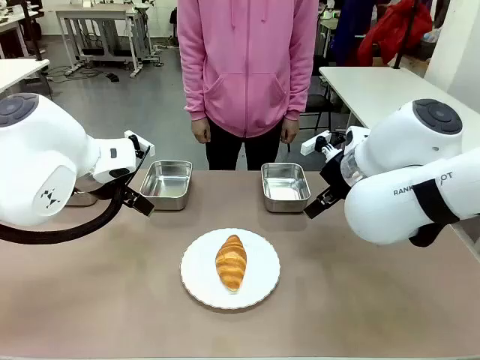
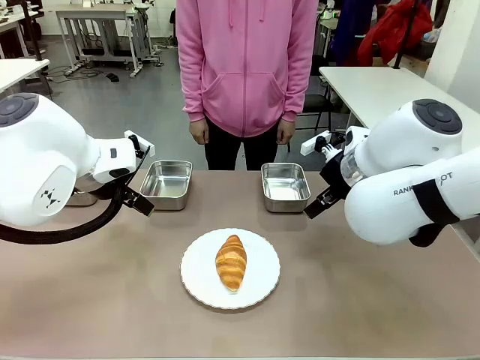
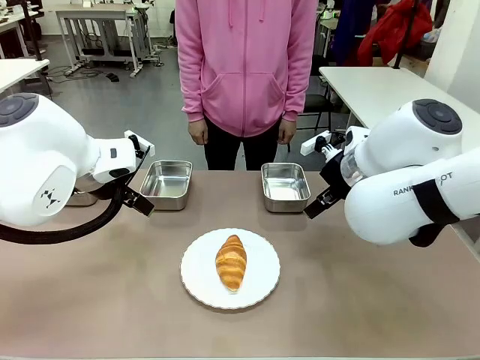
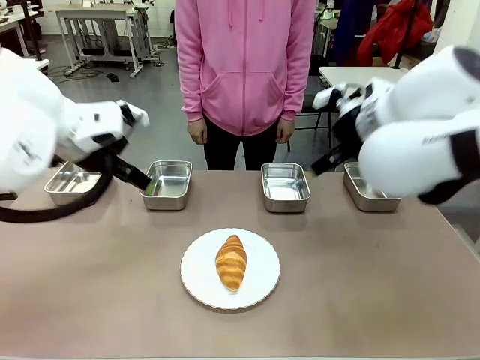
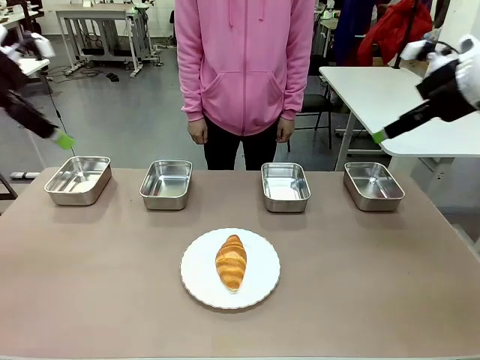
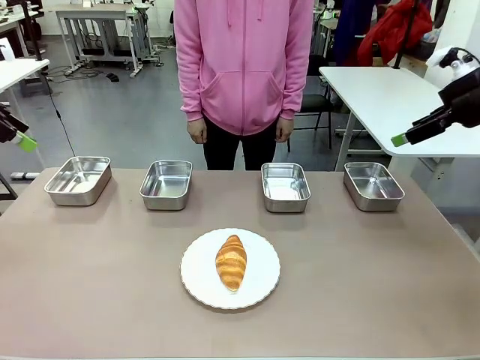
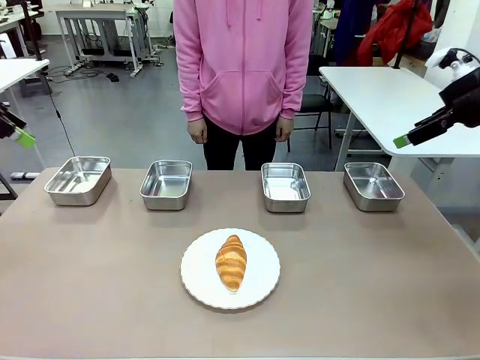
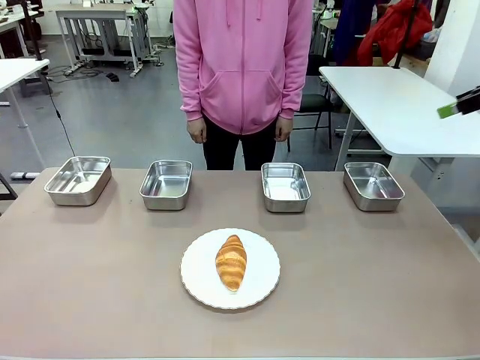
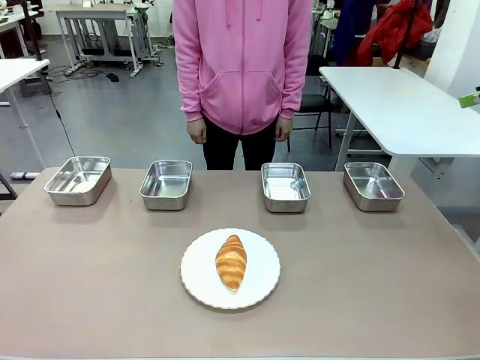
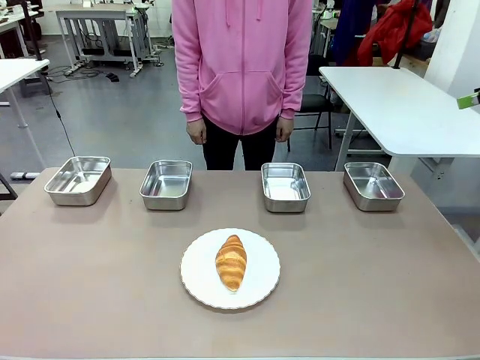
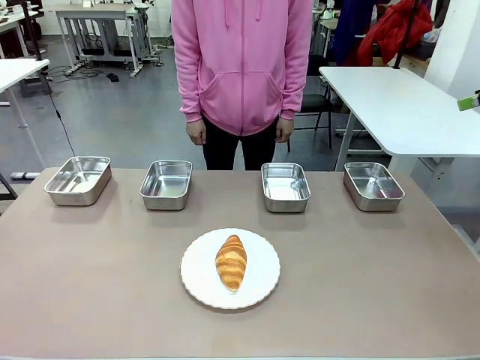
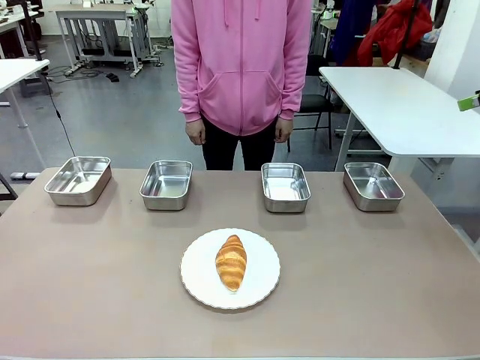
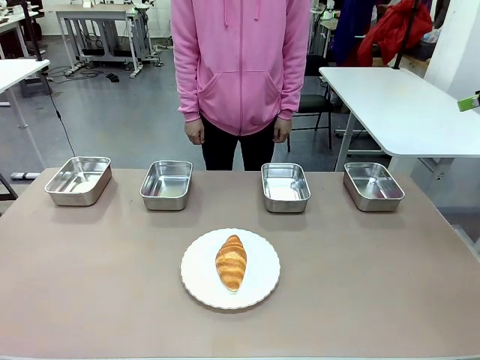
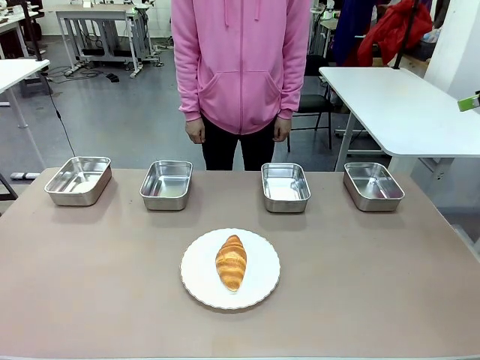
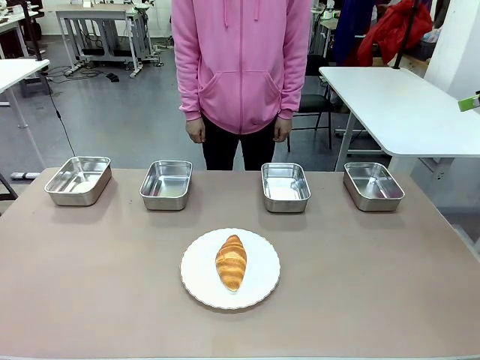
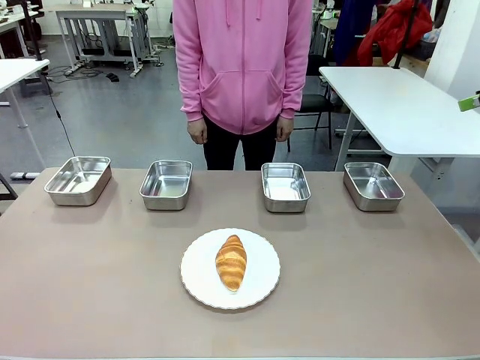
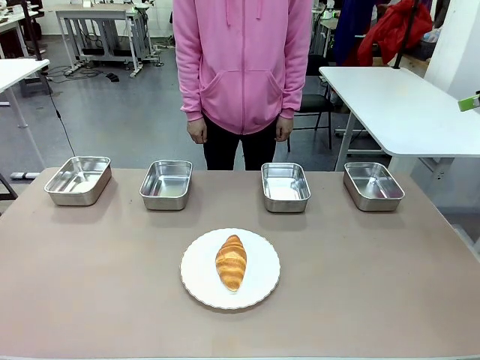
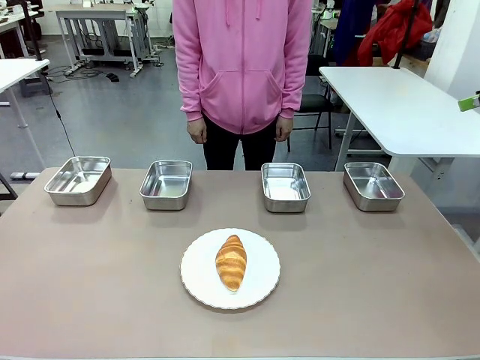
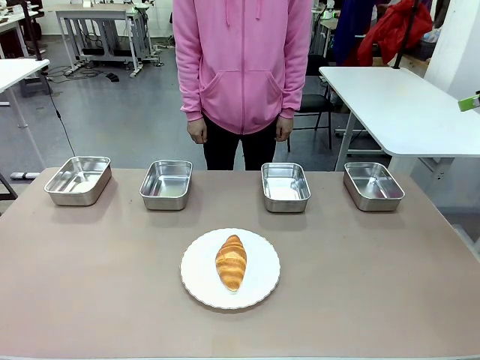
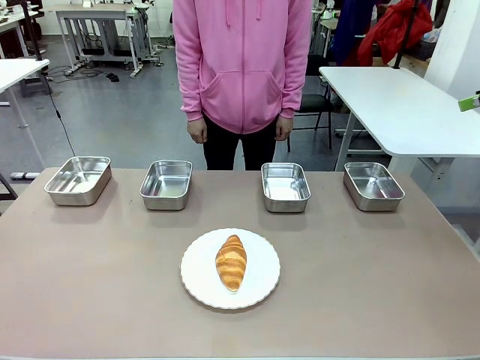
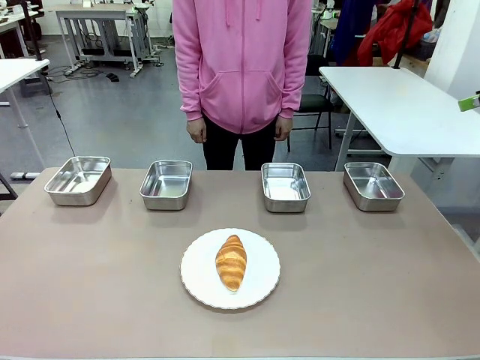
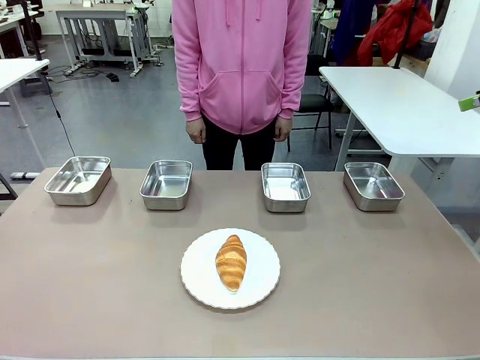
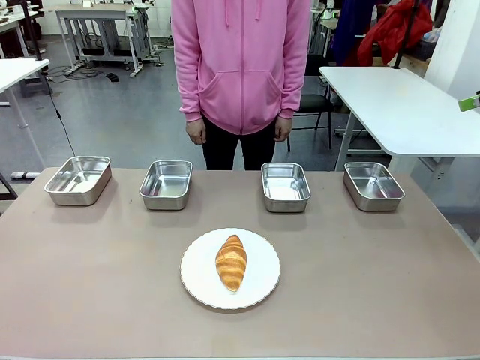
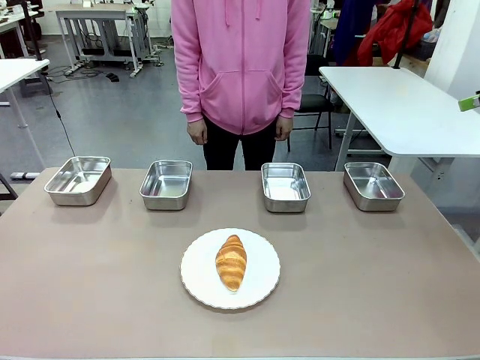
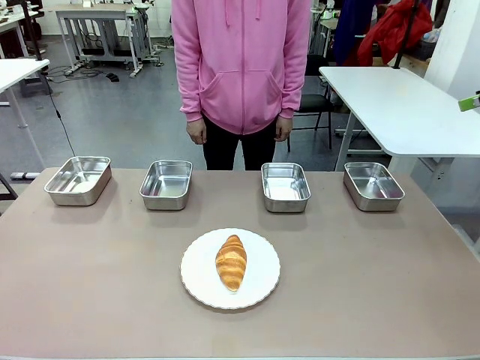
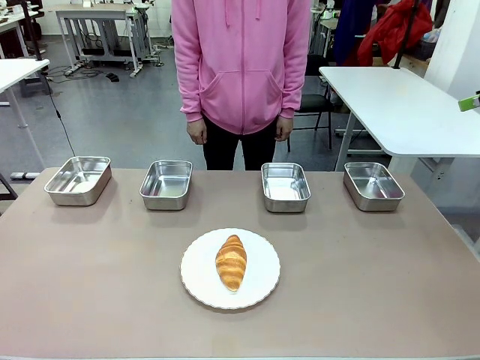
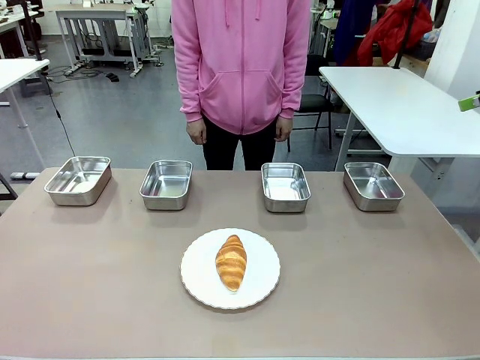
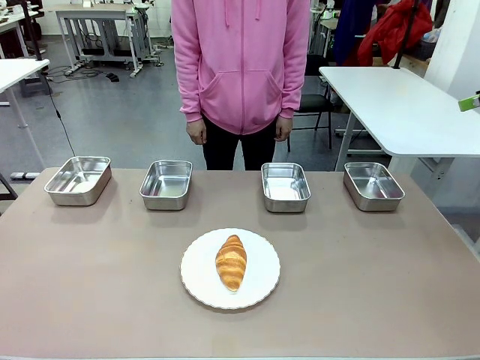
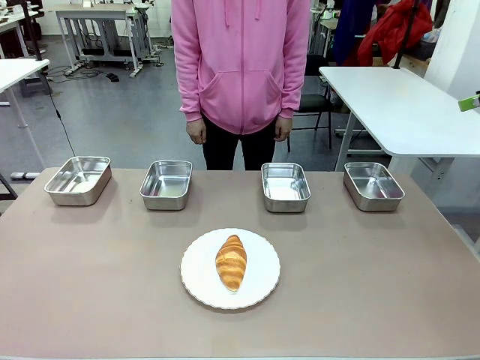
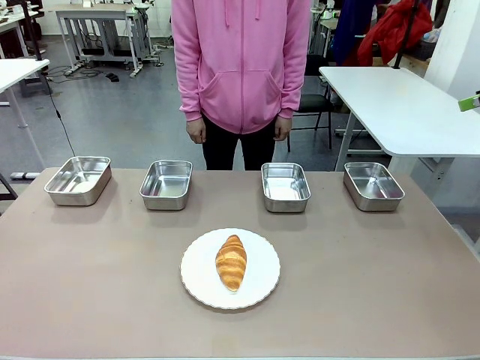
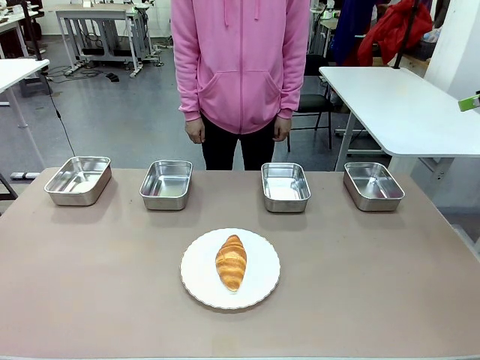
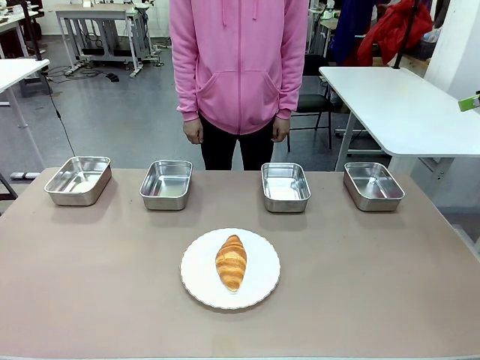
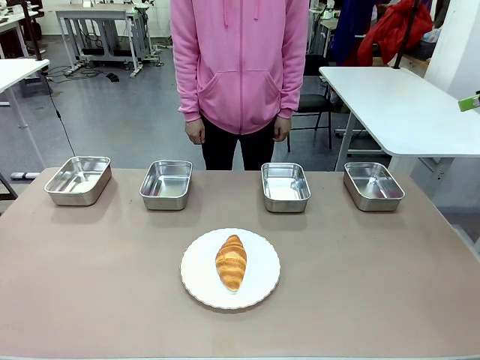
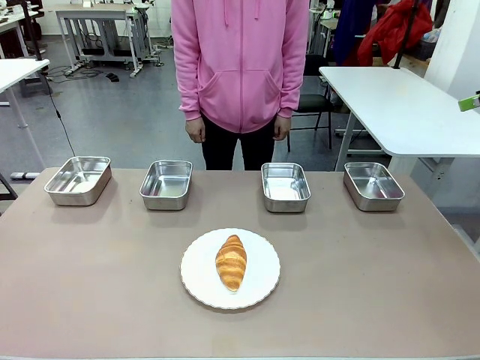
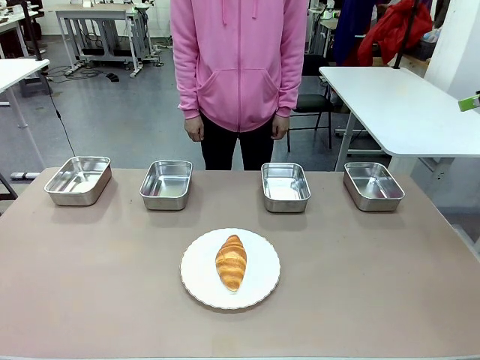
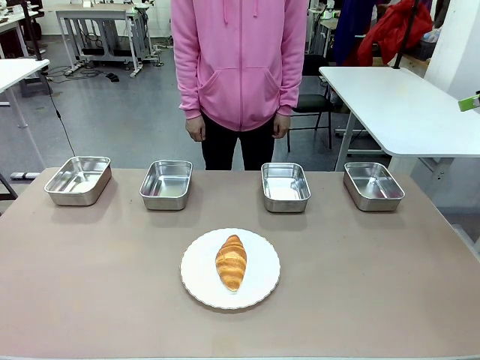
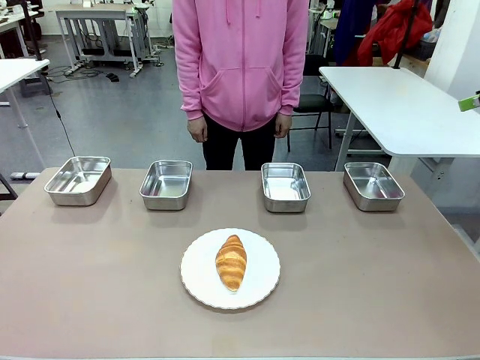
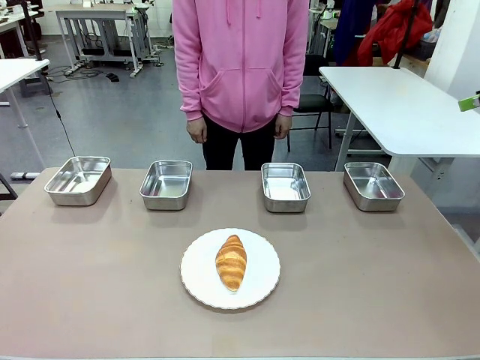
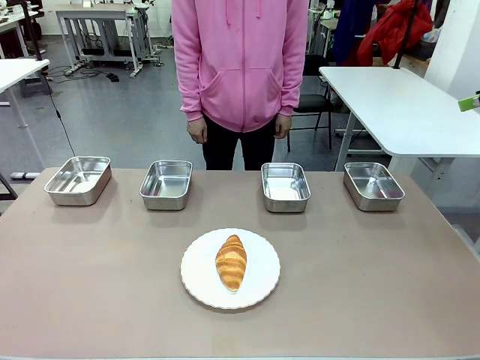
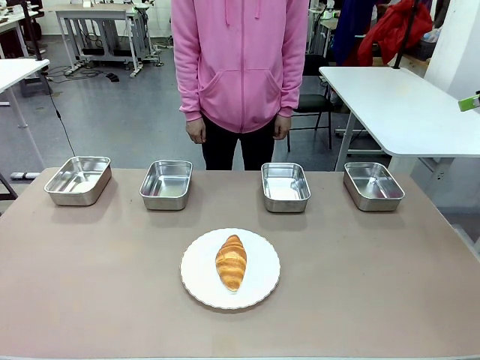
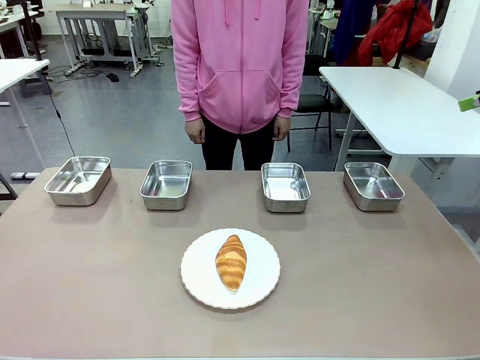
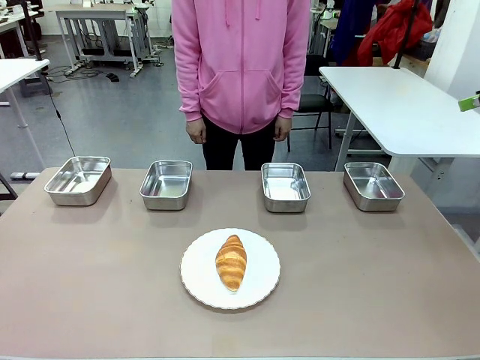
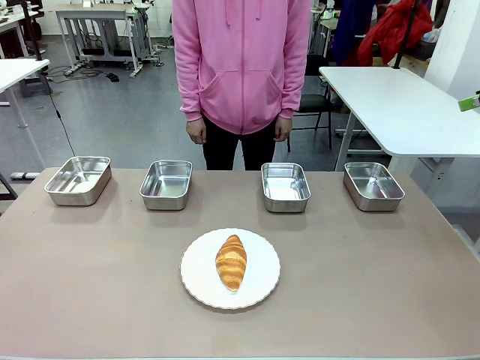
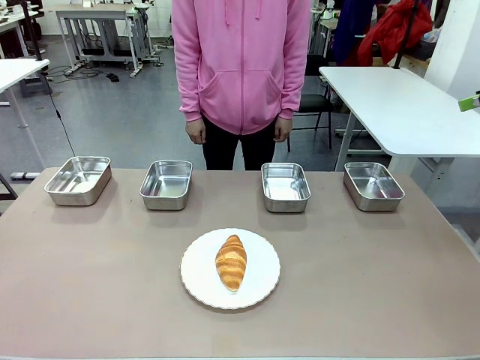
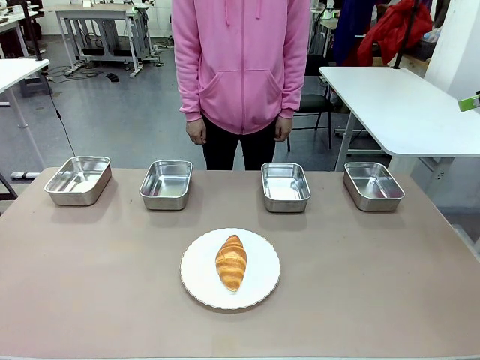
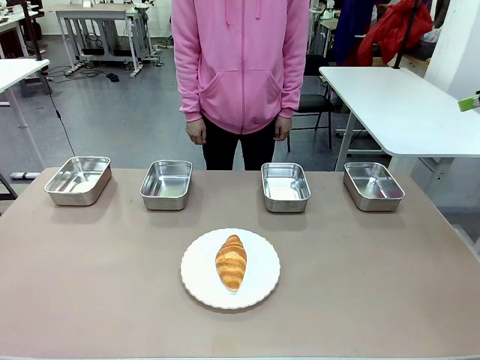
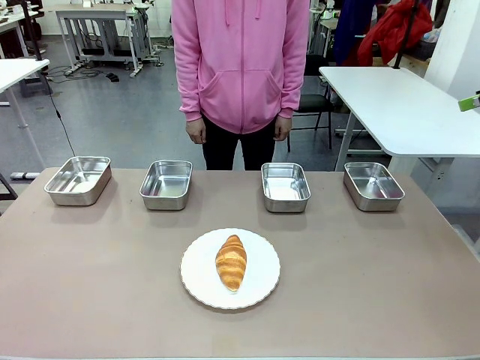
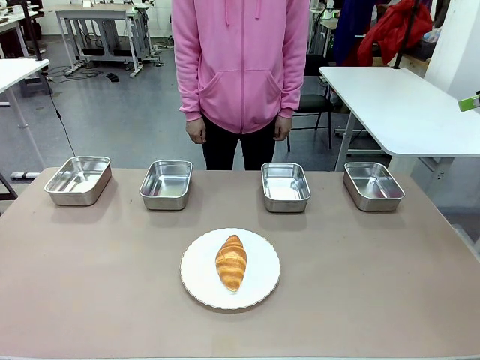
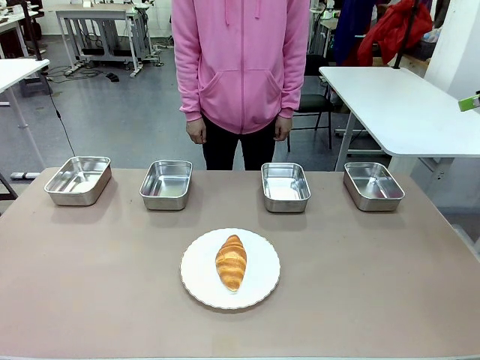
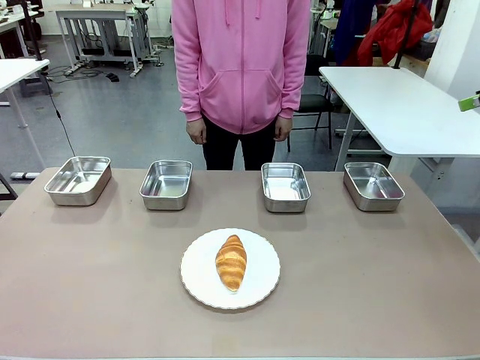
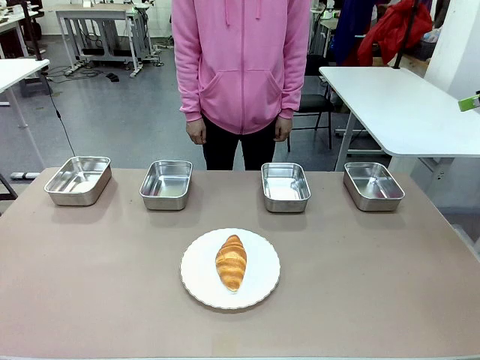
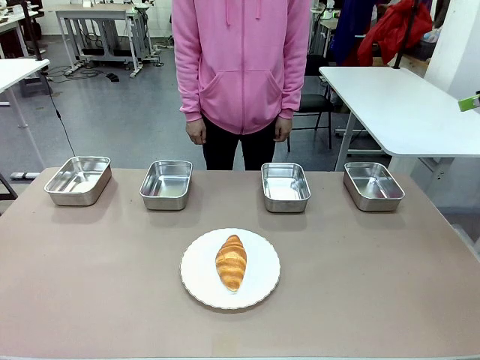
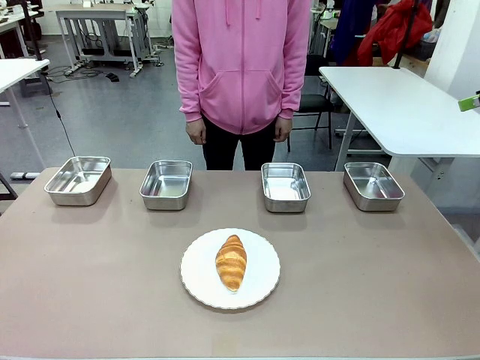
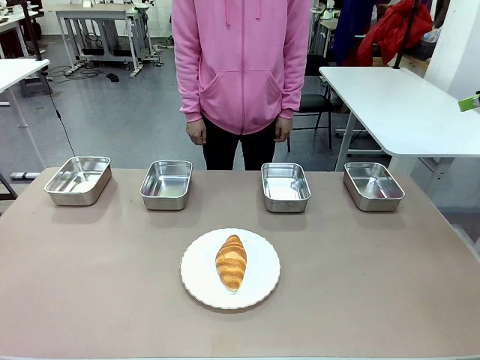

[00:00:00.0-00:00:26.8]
Task: Place the bread in the container.
Robot: Place the Butter Roll into the Airtight Container indicated by the human.
